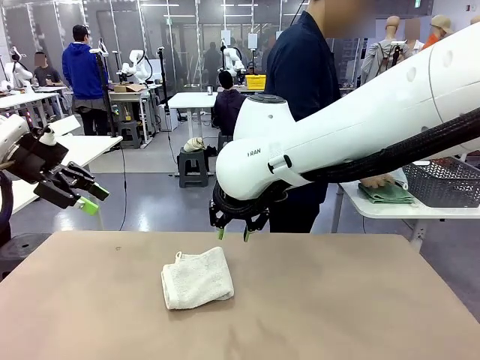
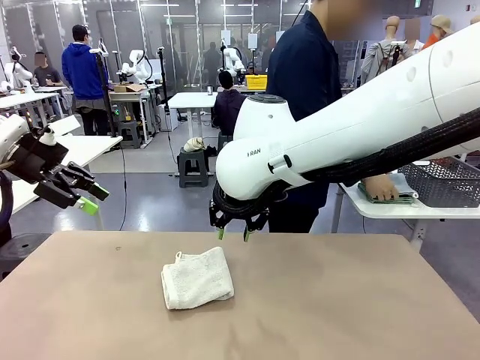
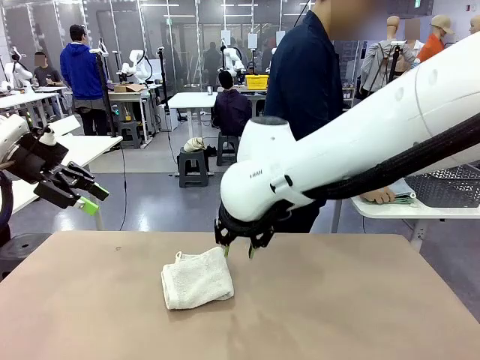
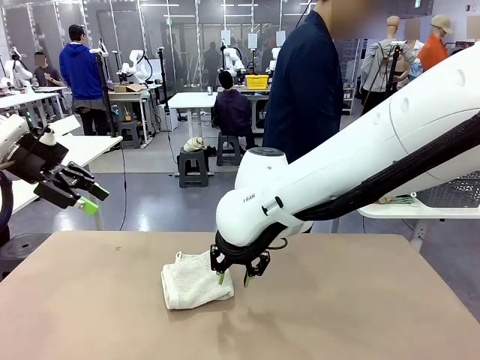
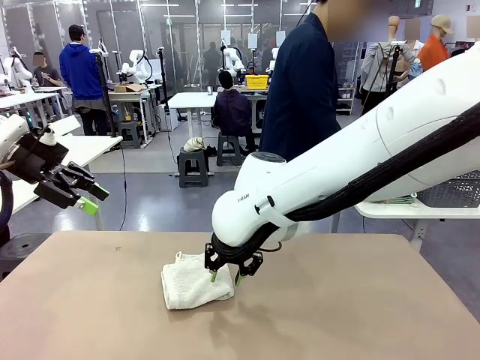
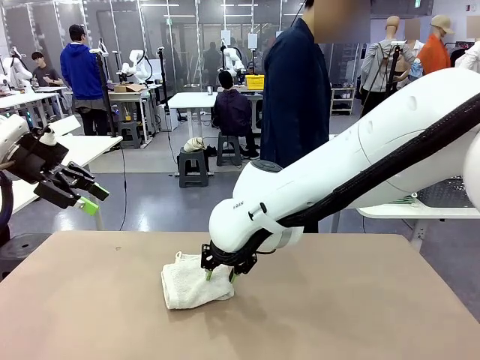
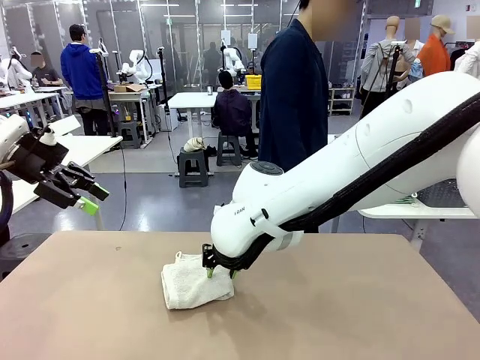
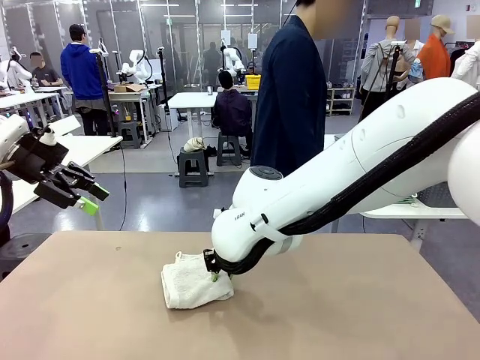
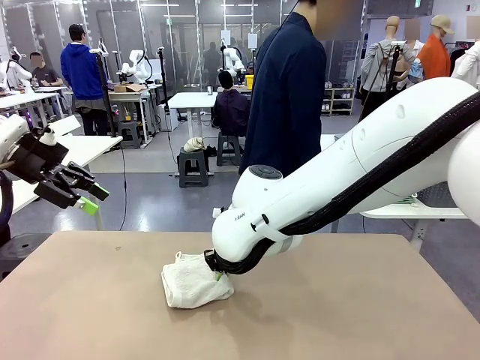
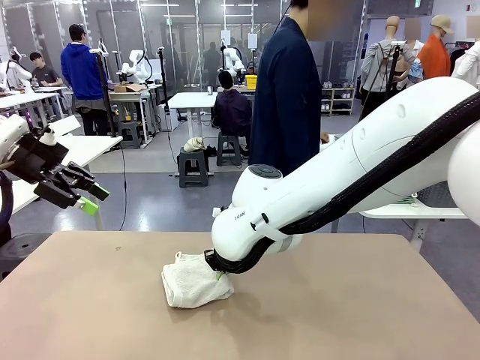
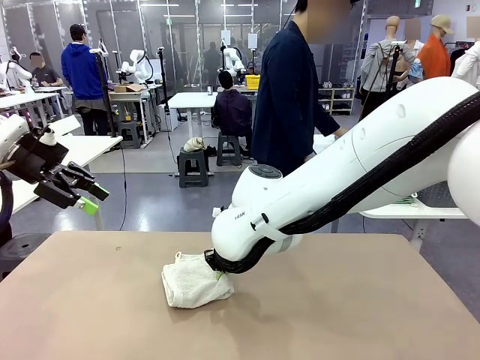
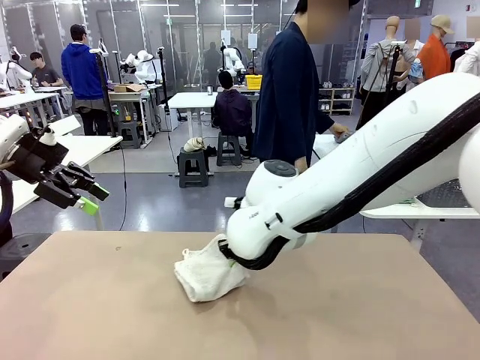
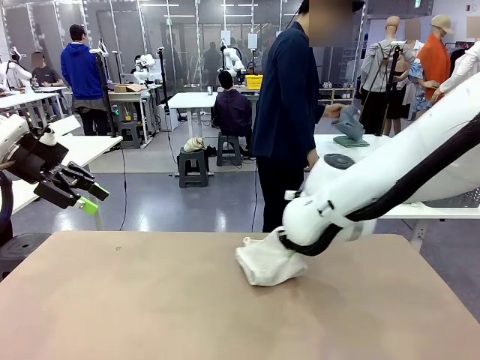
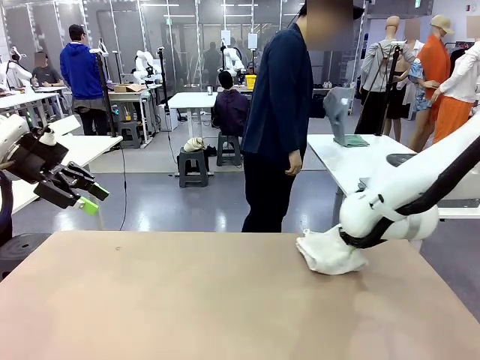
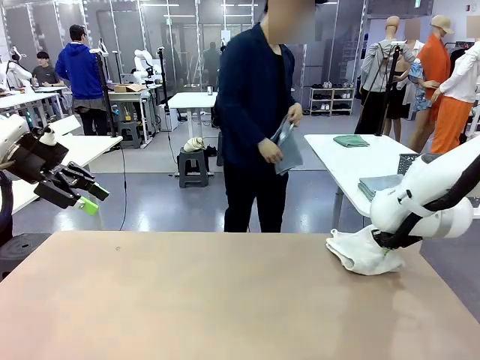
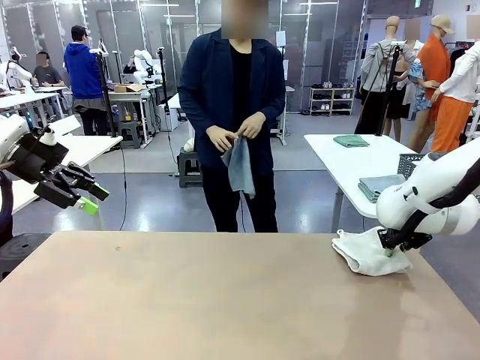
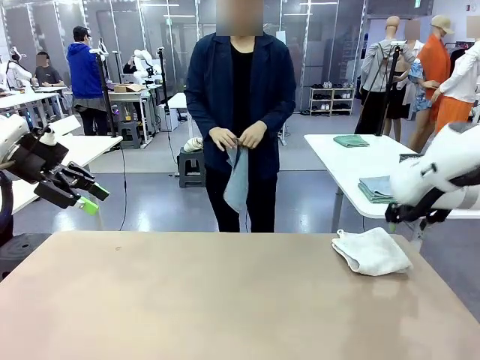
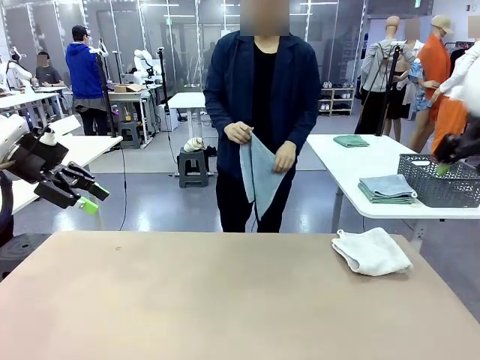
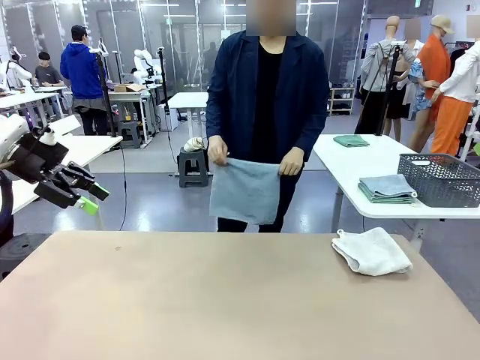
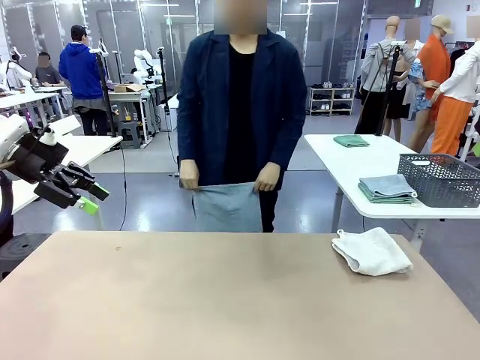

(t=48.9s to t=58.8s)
Task: Fold the towels and place them in the basket.
Robot: Place the folded Towel with hook on the right side of the table.
Person: Pick up one towel from the left side of the human table and spread it out at the center of the robot table.

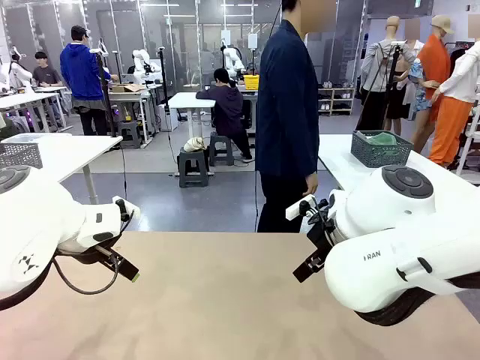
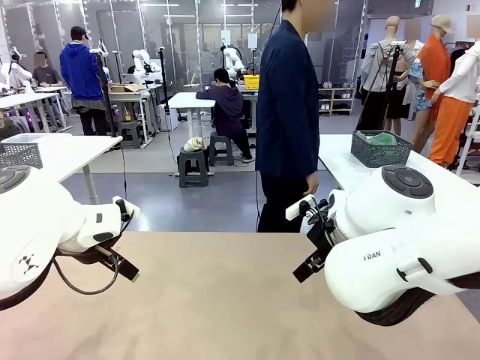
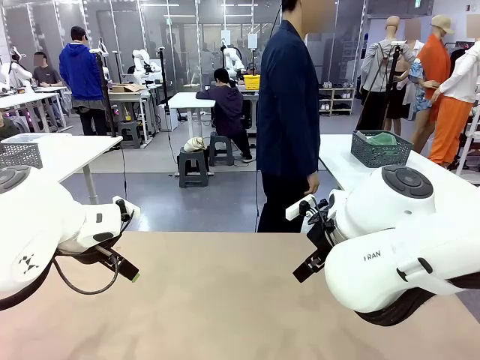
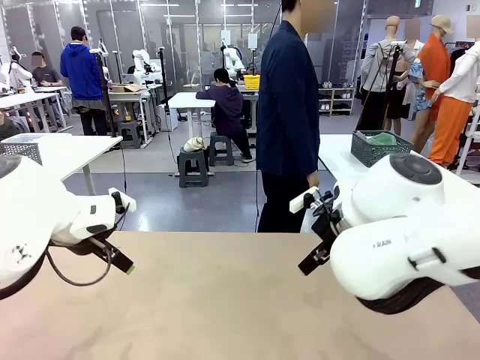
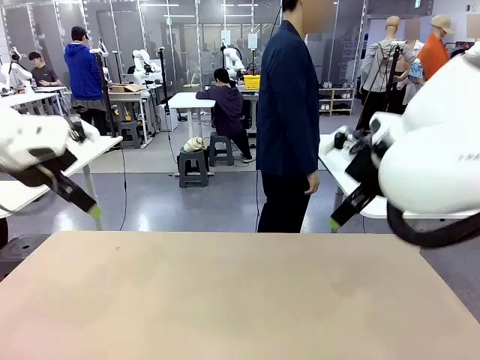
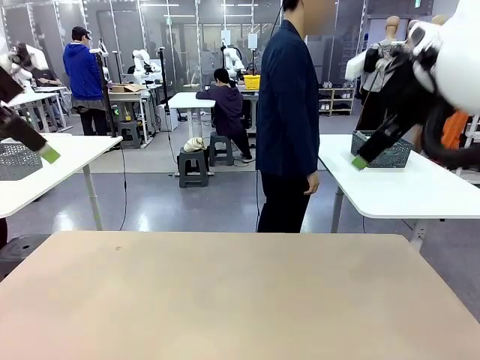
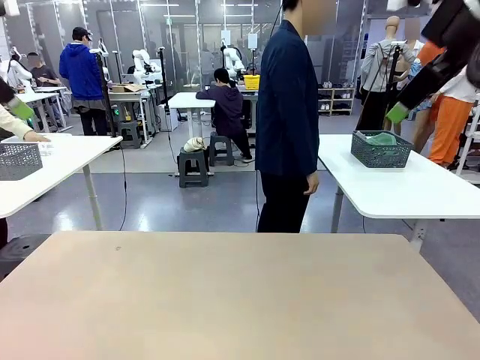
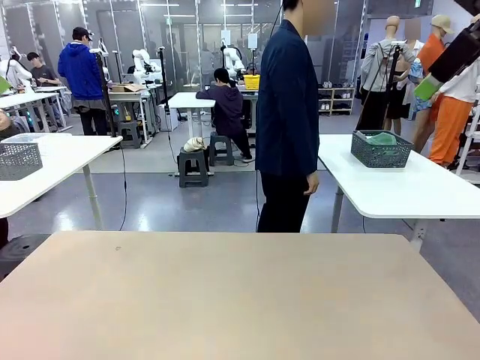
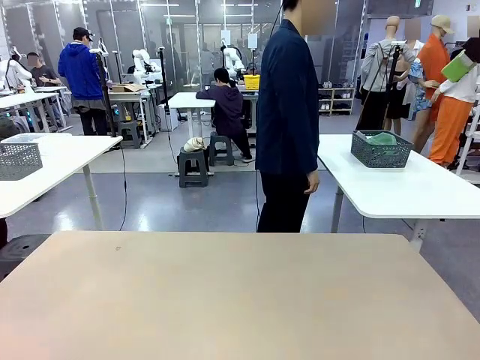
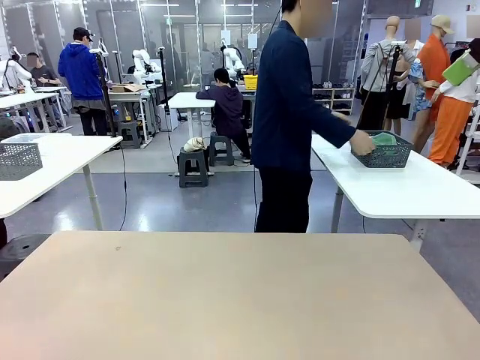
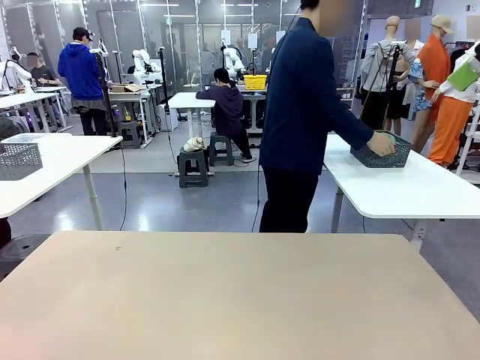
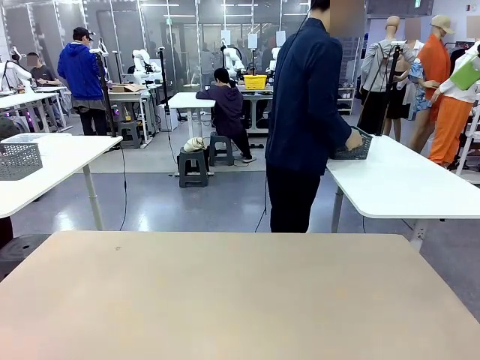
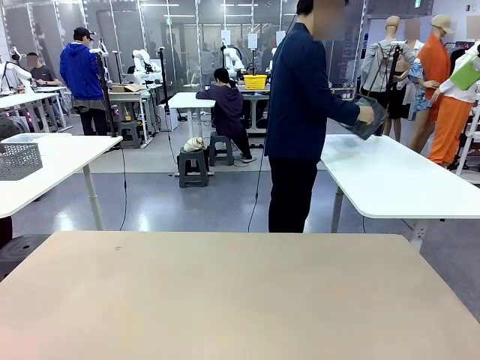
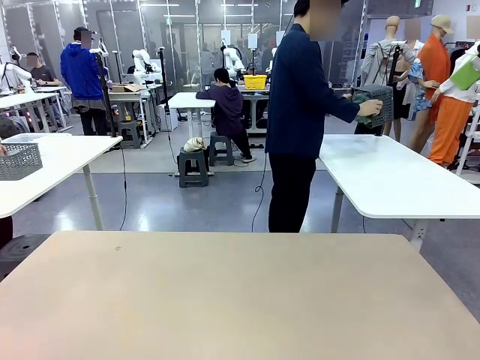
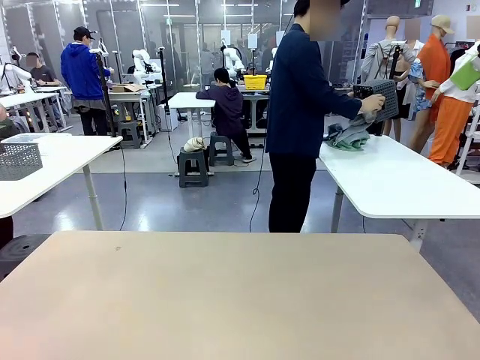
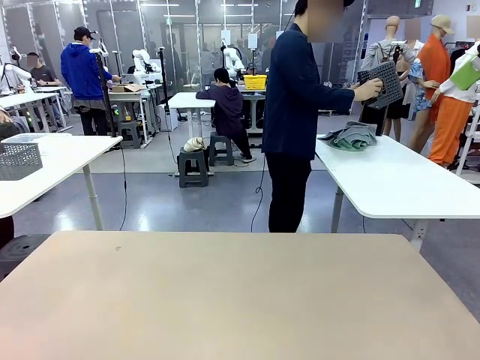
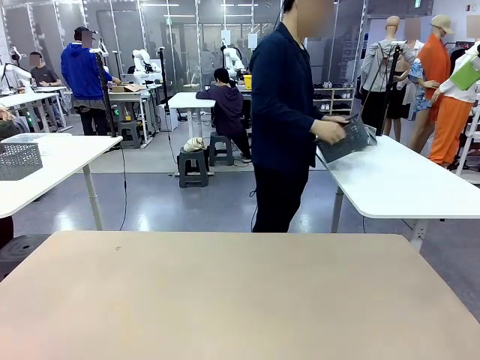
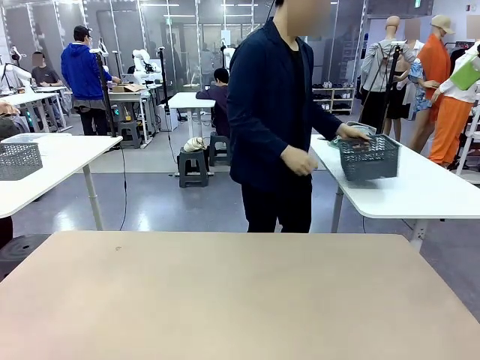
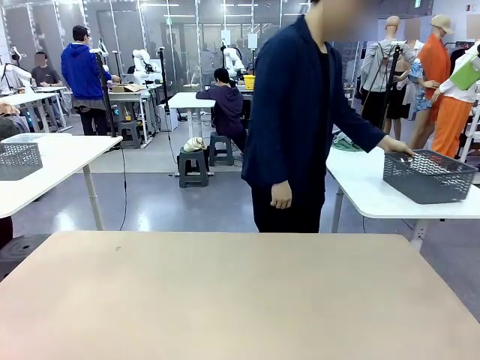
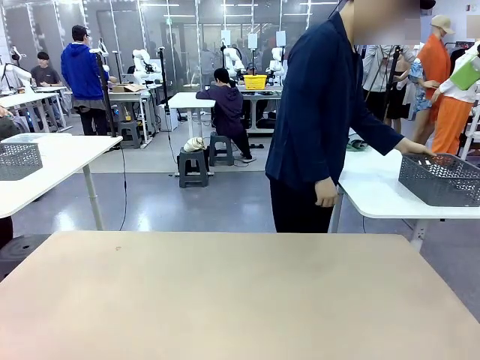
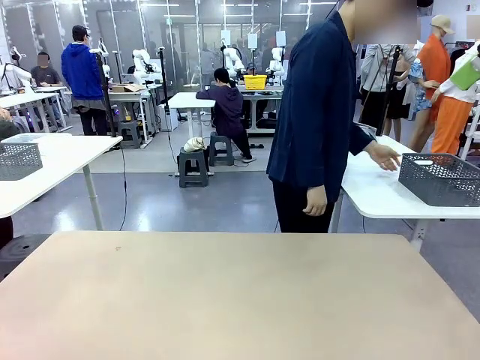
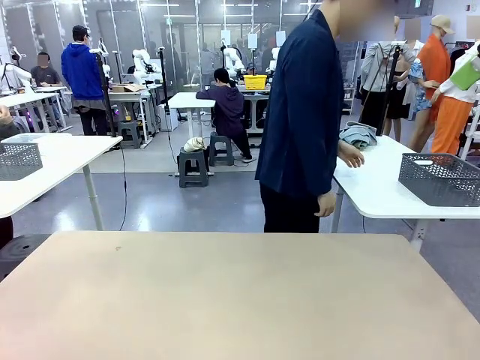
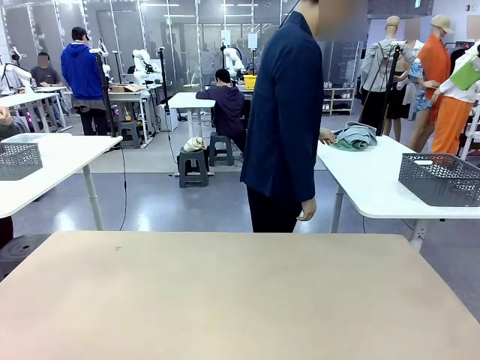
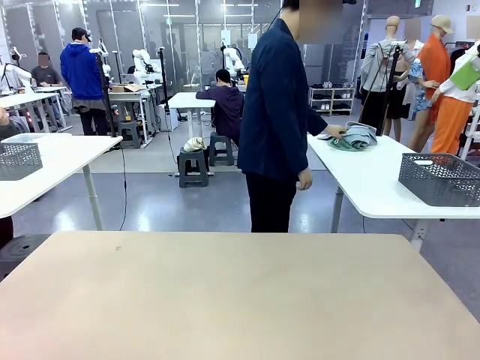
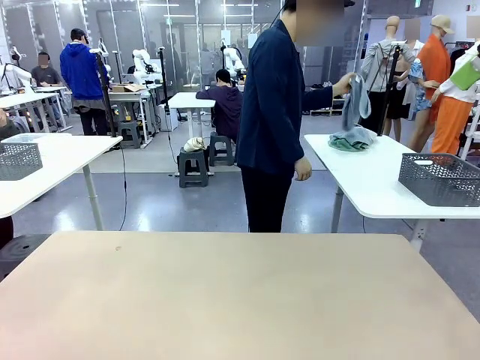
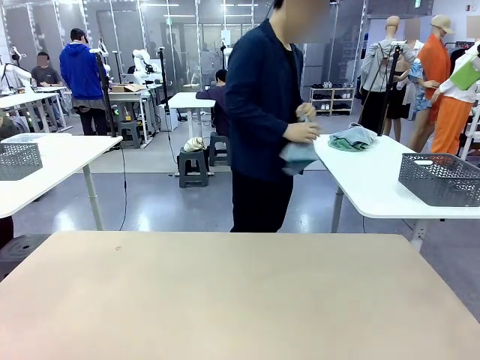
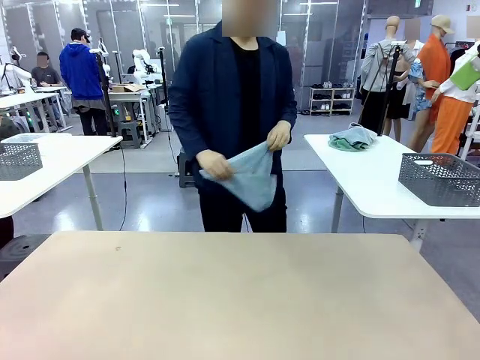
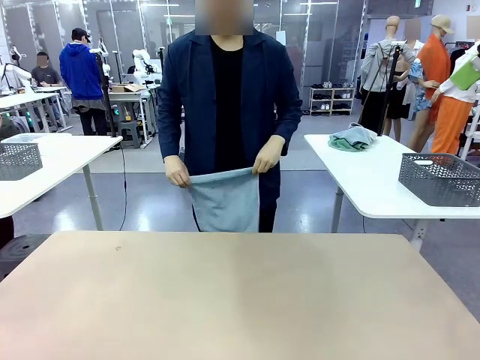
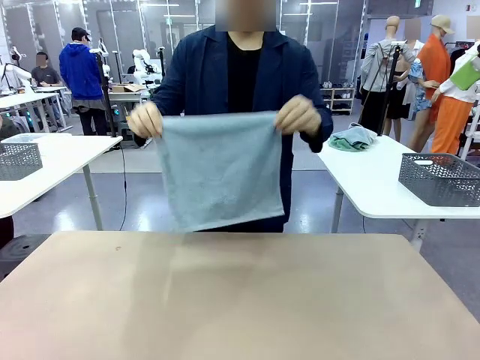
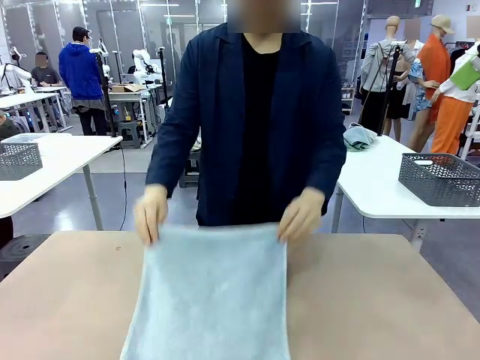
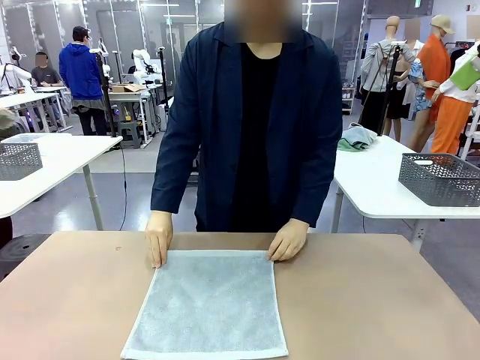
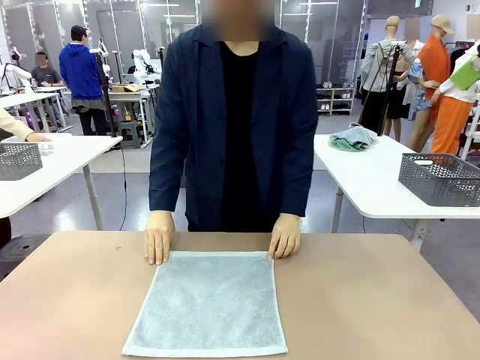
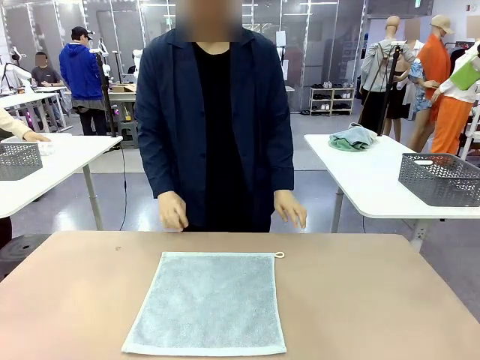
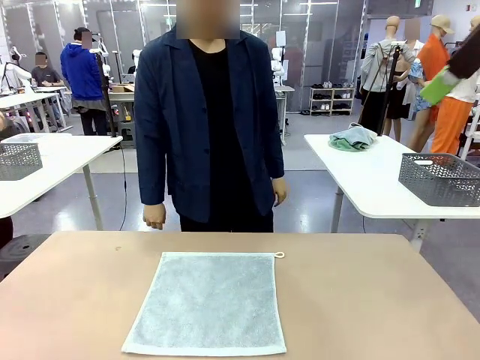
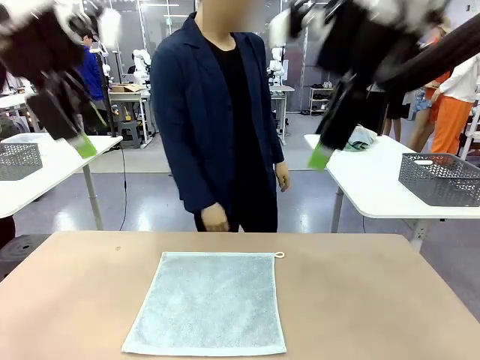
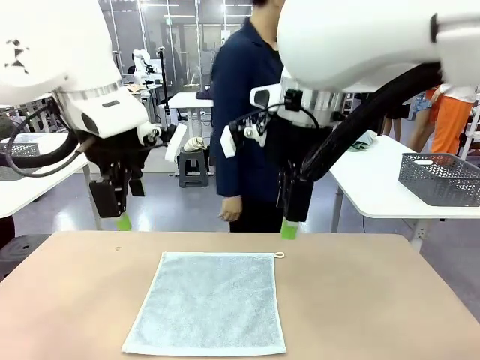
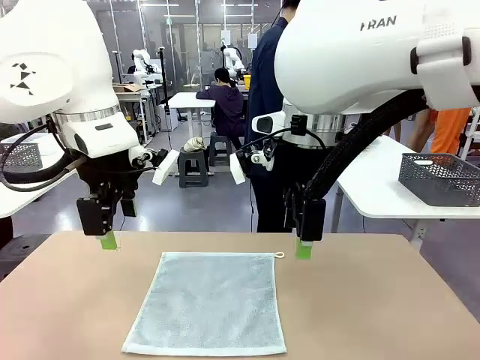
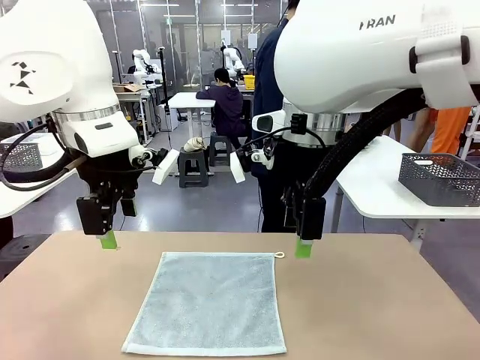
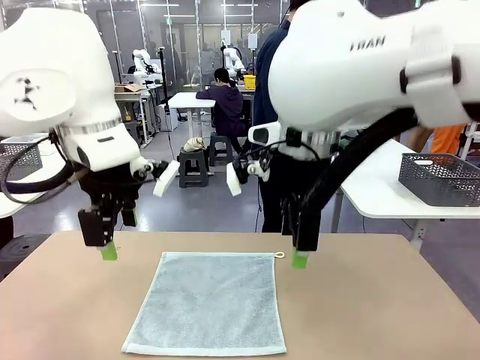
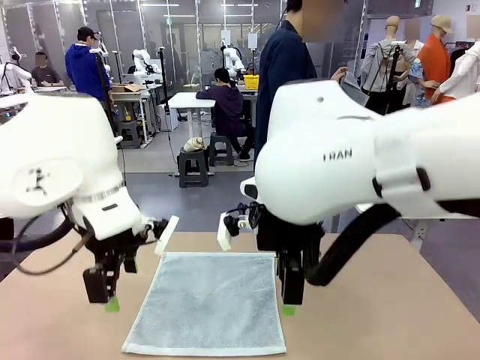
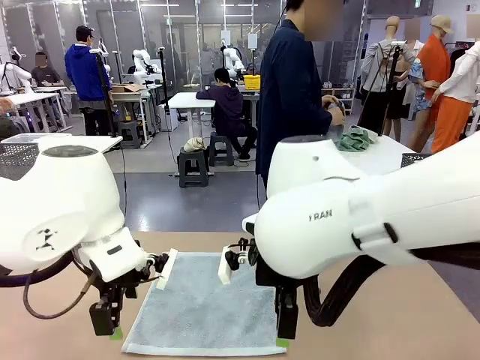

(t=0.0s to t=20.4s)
Task: Fold the towels and place them in the basket.
Robot: When a person lays out a Towel with hook on the table, fold it in half twice.
Person: Pick up the basket, pour the towels onto the left side of the human table, and place the basket on the right side. Pick up one towel and spread it out at the center of the robot table.
